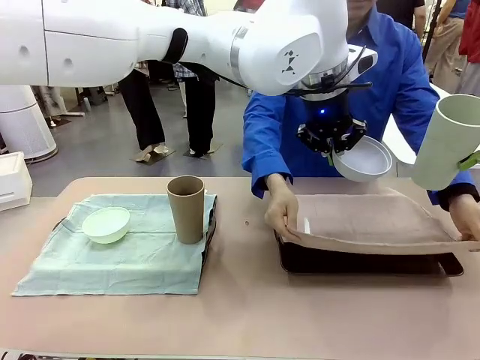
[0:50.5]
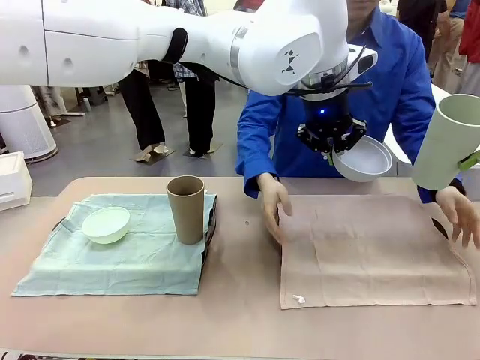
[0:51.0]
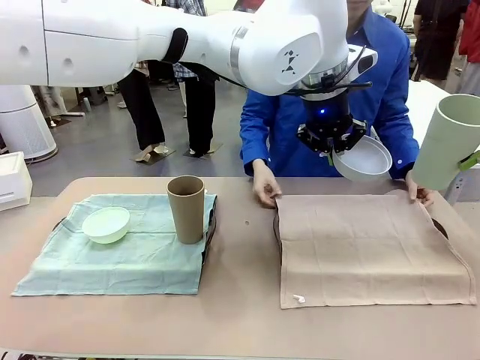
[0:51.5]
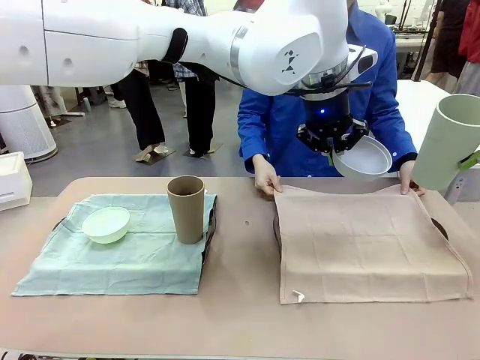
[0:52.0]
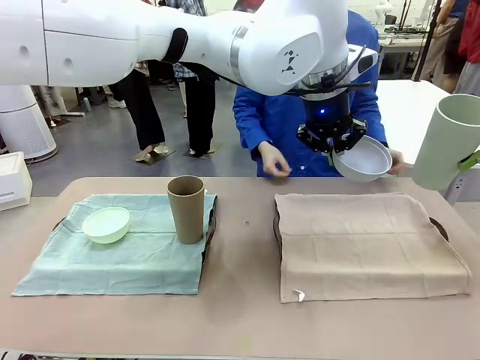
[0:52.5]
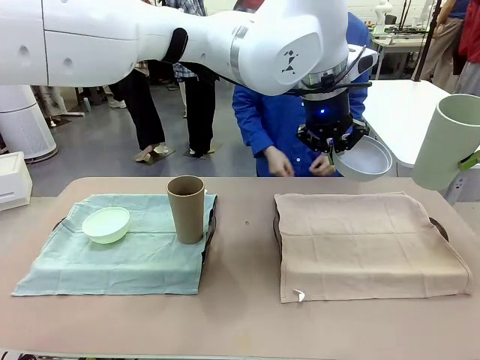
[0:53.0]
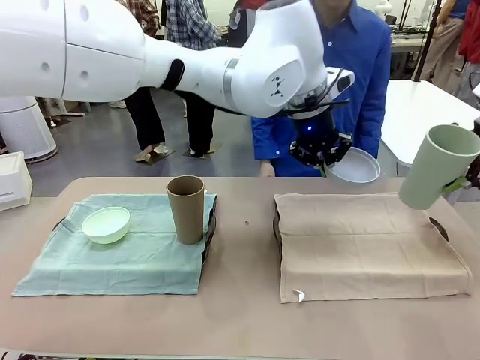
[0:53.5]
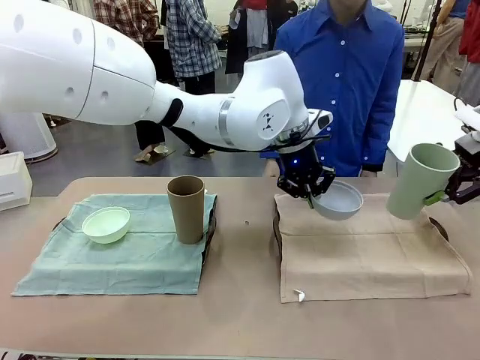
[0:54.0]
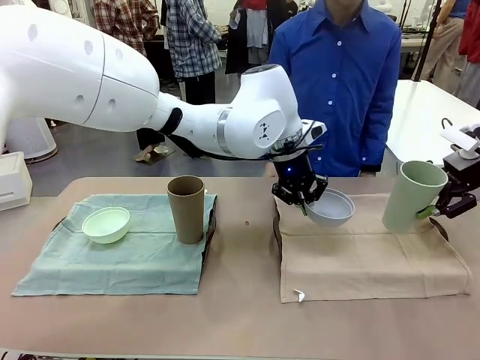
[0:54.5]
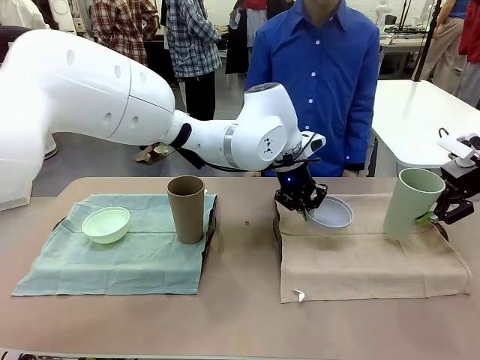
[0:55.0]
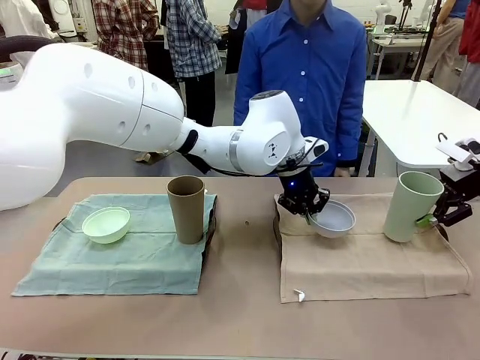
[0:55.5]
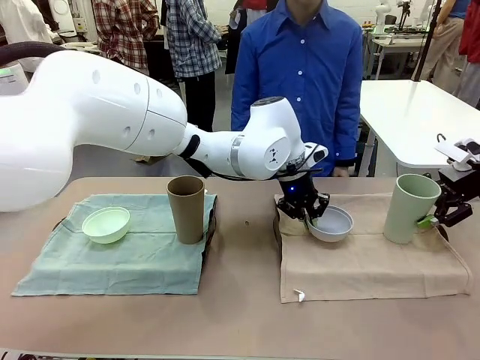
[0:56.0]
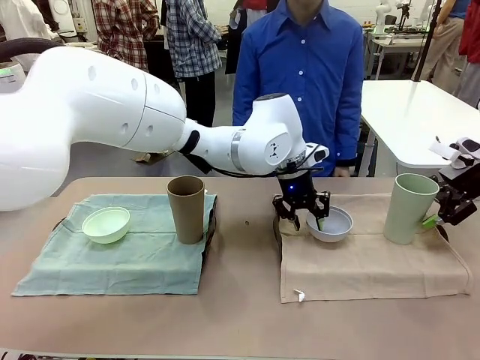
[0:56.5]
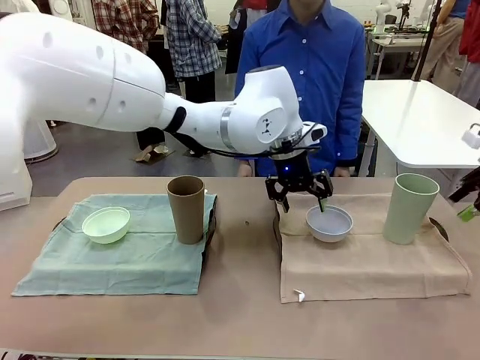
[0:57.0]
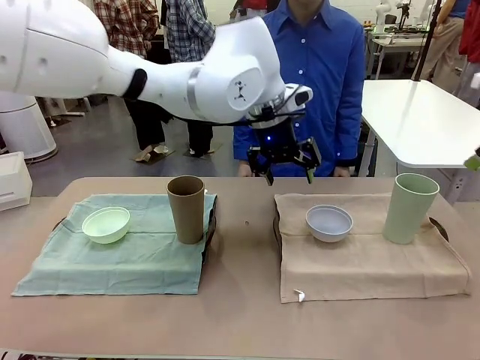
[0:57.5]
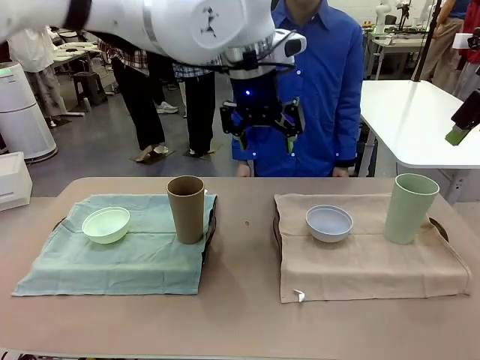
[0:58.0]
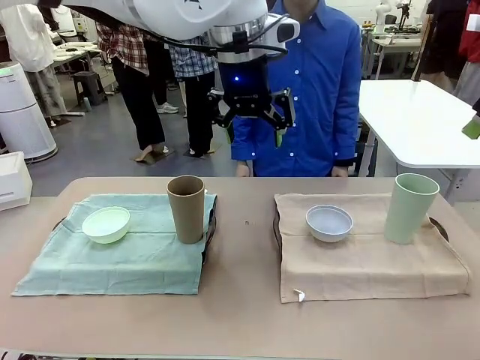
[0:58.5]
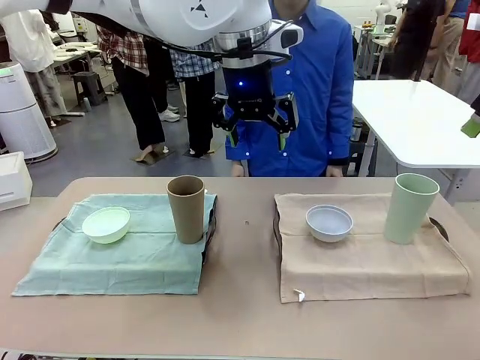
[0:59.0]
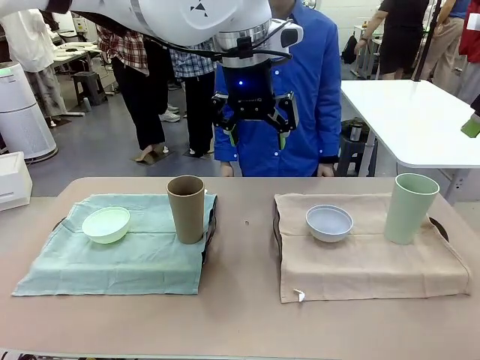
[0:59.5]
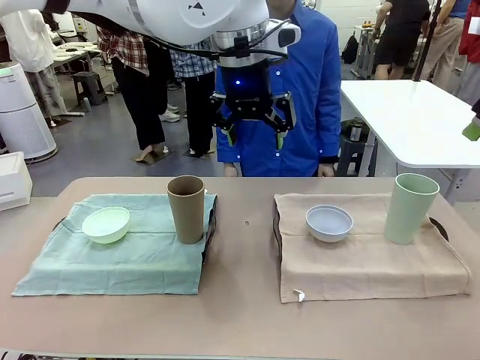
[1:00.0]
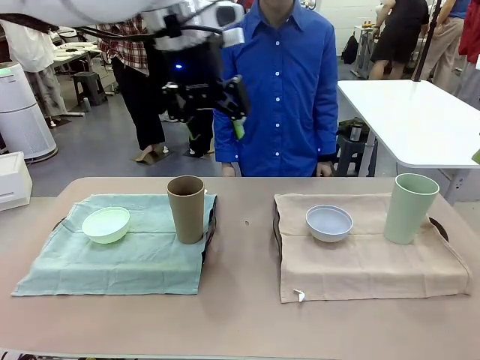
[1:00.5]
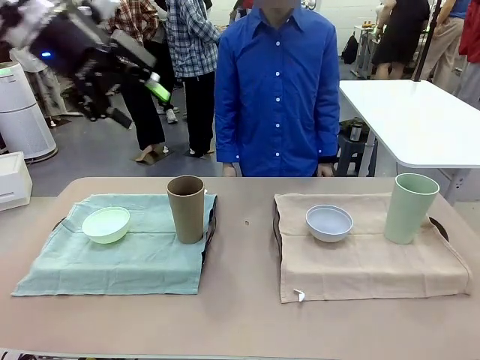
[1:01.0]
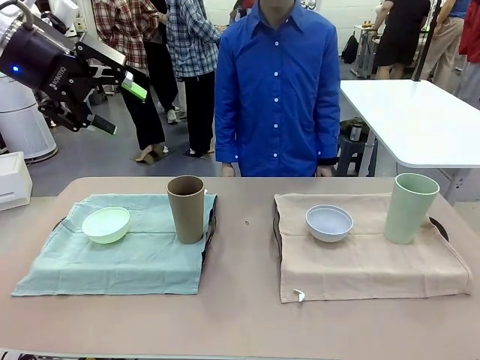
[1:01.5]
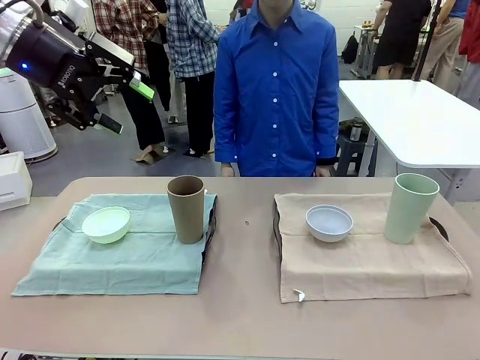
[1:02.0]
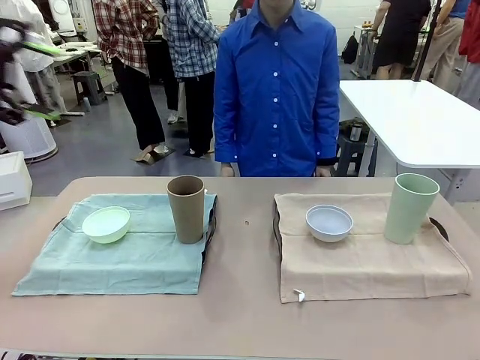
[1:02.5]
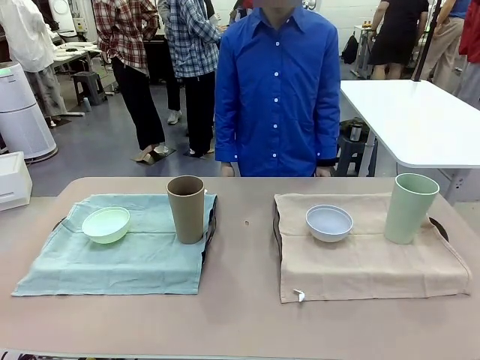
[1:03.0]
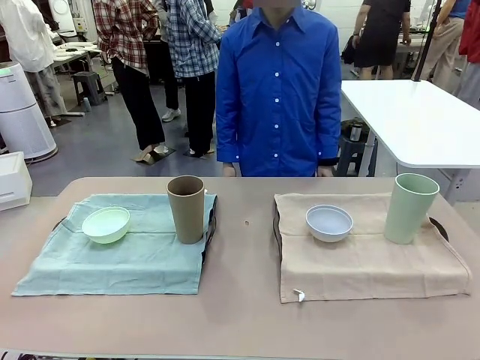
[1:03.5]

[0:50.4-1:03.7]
Robot: Place the Picnic Bowl and Reusable plastic cup back onto the Handle tray in front of the human's position.
